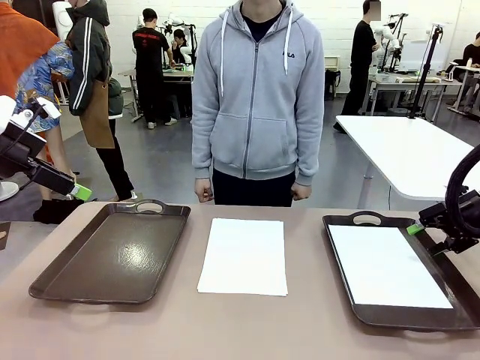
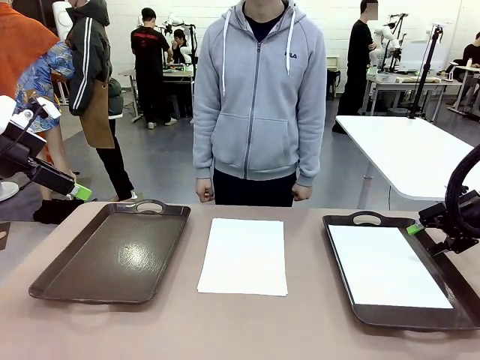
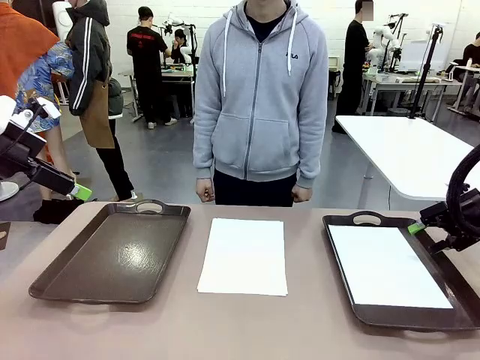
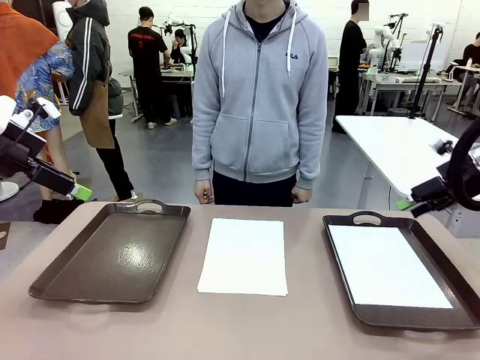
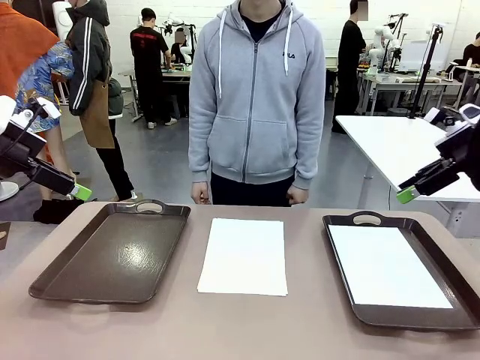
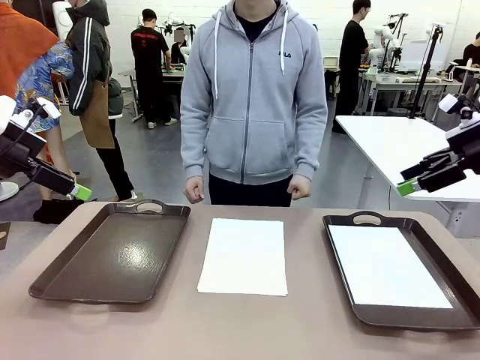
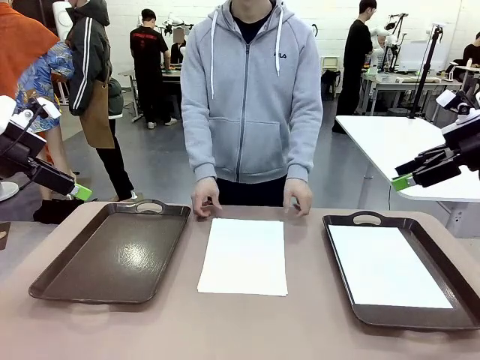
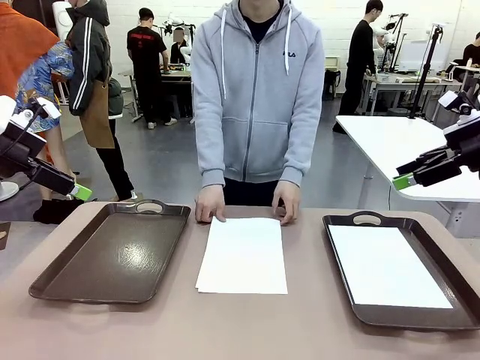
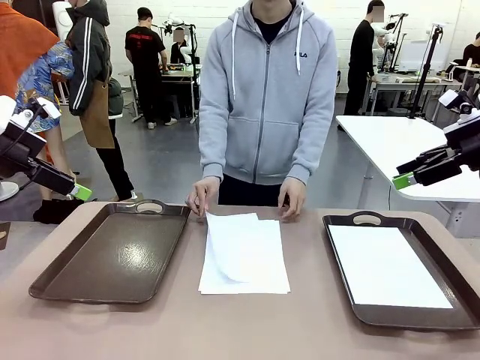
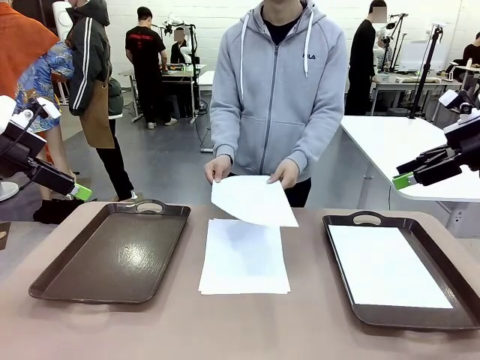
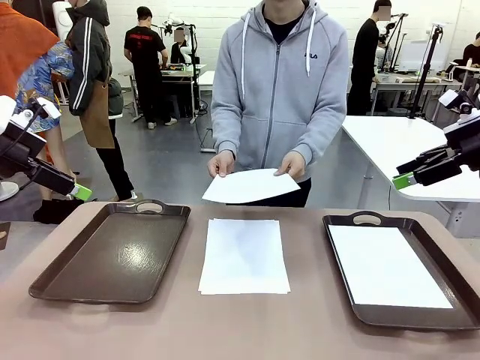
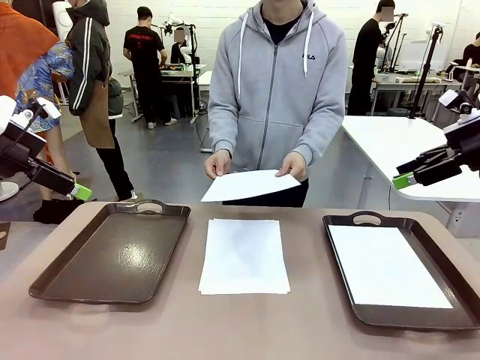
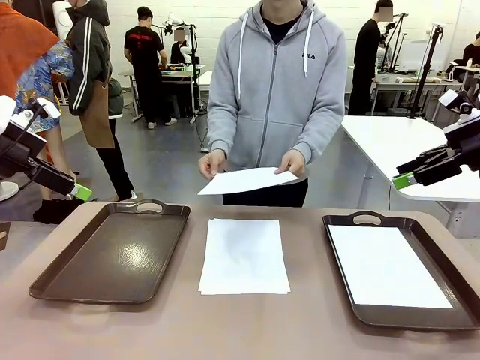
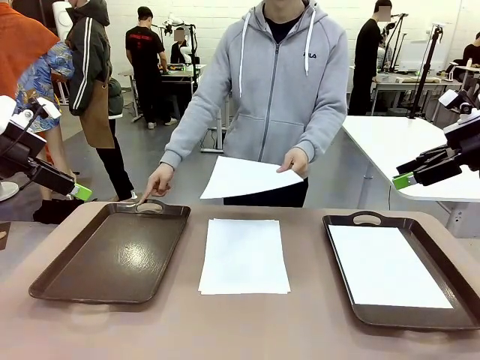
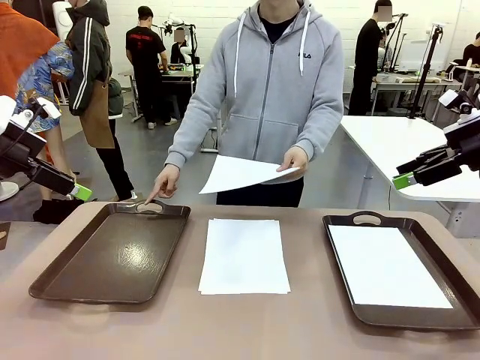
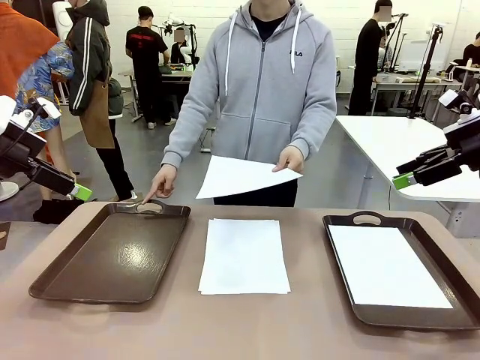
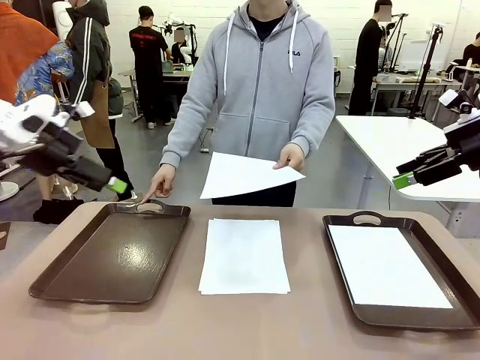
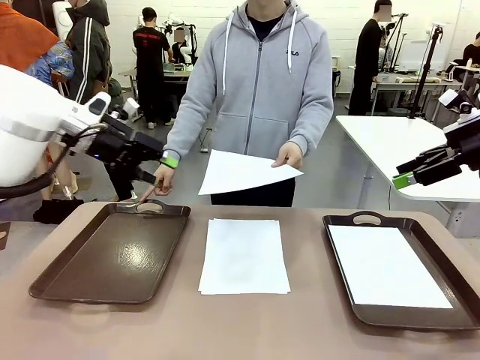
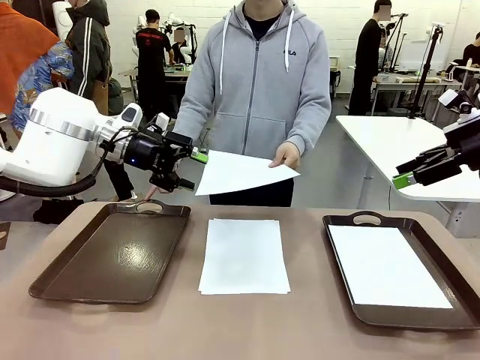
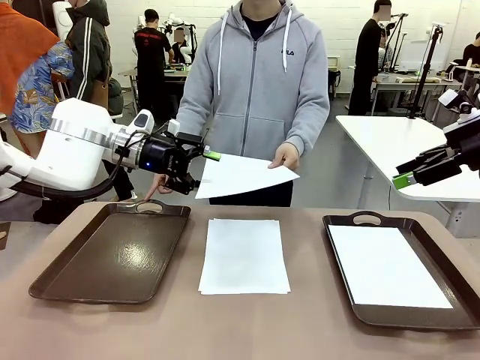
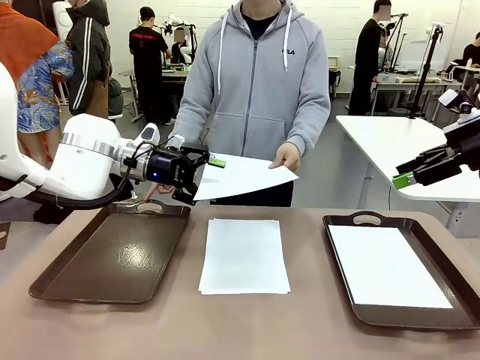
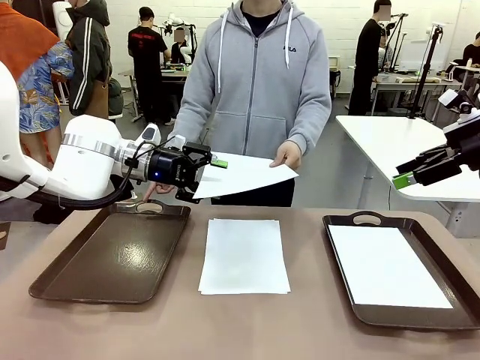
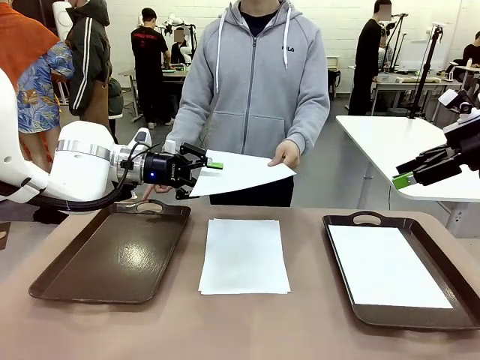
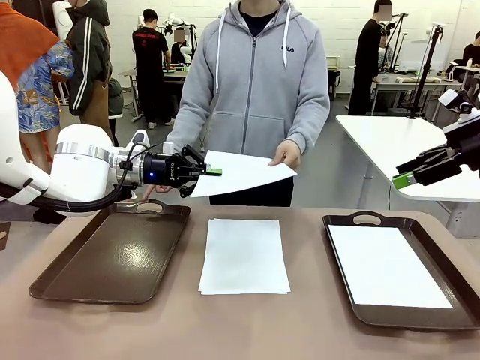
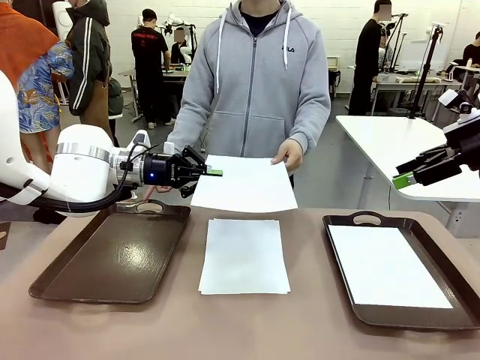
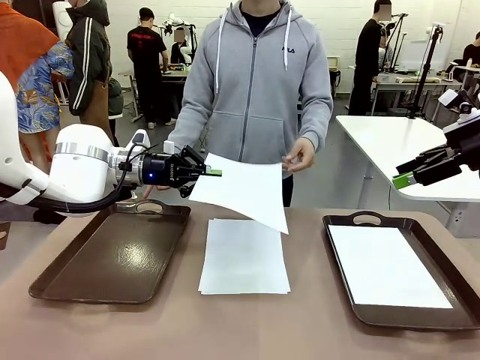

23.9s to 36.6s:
Task: Sort the A4 documents.
Robot: Receive the A4 Paper.
Person: Point the randomly selected tray with the other hand.

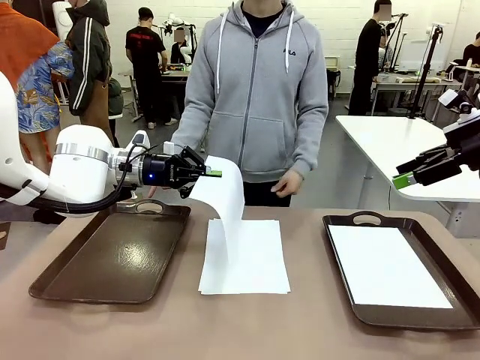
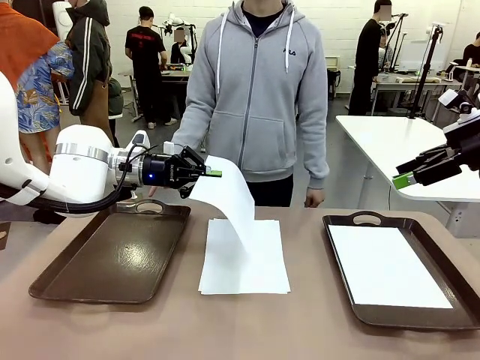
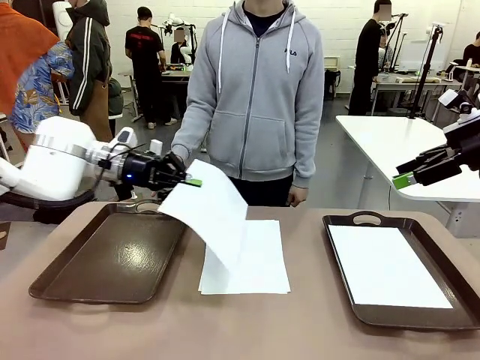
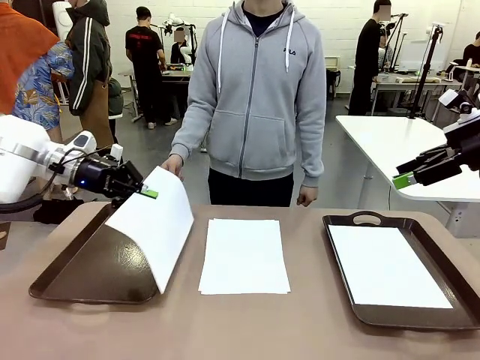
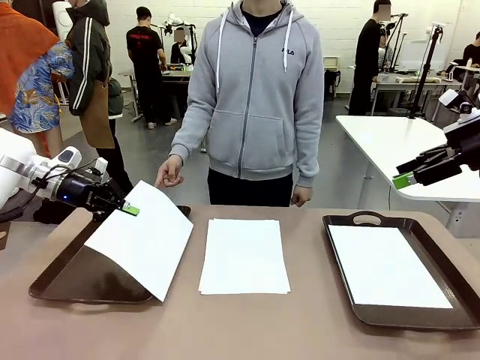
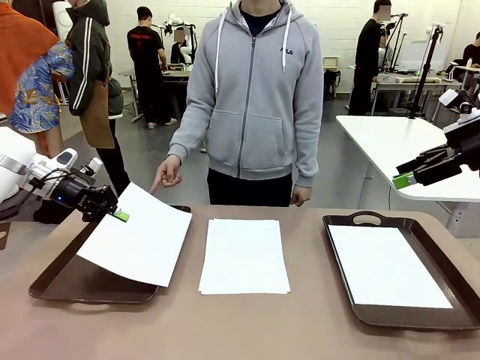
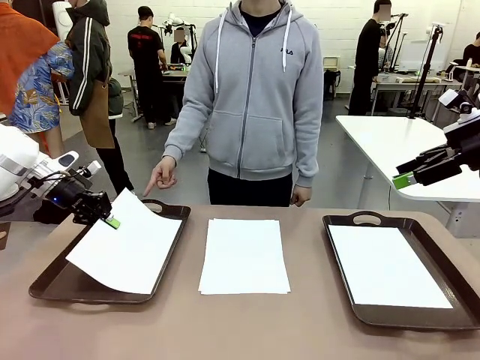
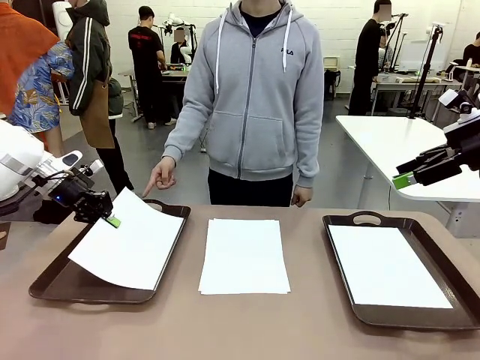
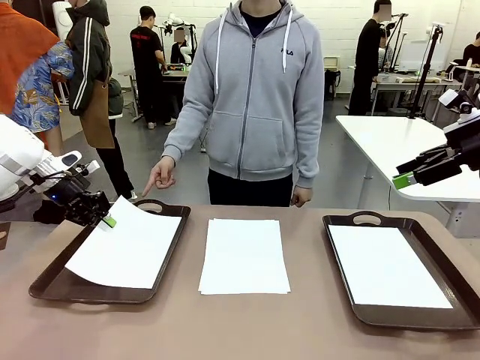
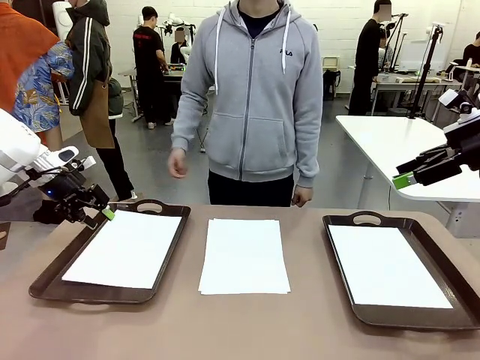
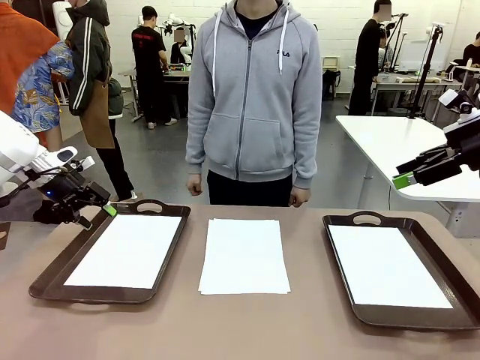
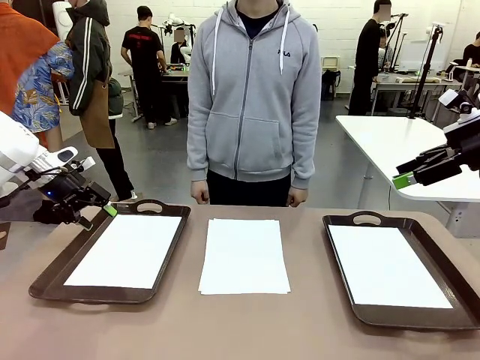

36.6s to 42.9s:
Robot: Place the A4 Paper in the designated Handle tray.
